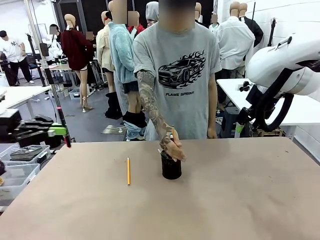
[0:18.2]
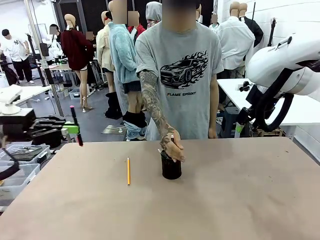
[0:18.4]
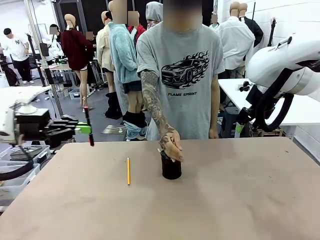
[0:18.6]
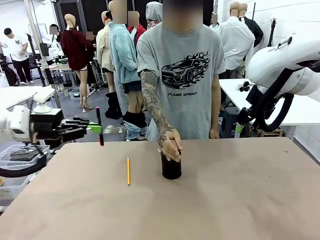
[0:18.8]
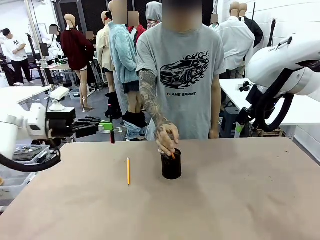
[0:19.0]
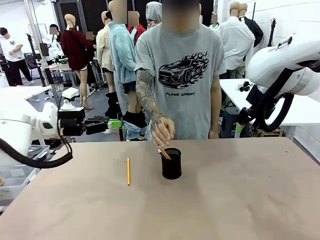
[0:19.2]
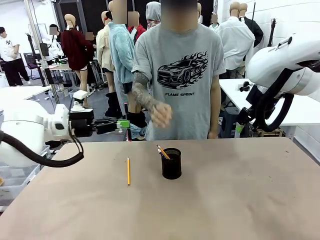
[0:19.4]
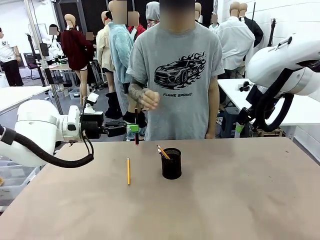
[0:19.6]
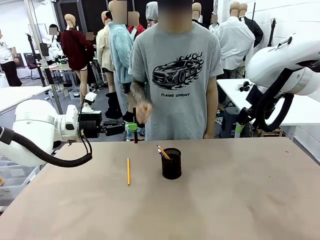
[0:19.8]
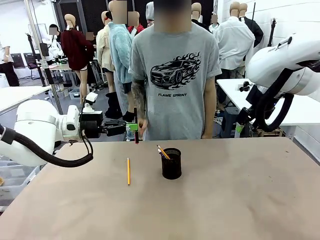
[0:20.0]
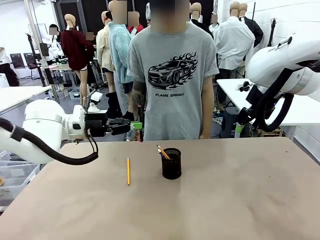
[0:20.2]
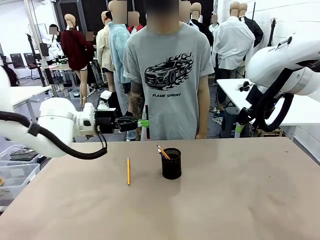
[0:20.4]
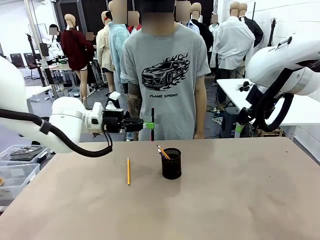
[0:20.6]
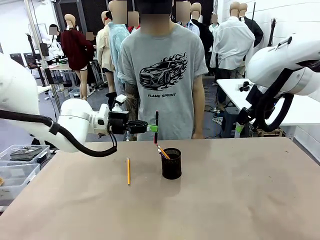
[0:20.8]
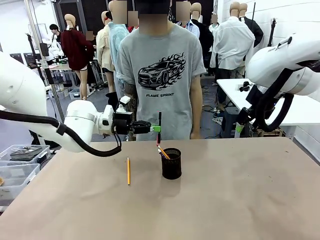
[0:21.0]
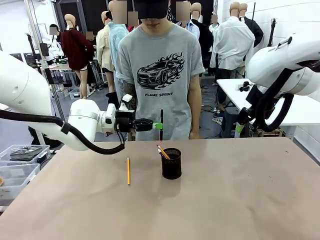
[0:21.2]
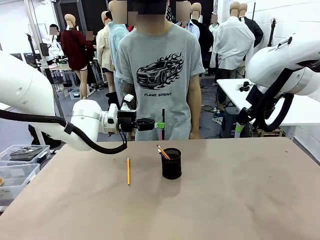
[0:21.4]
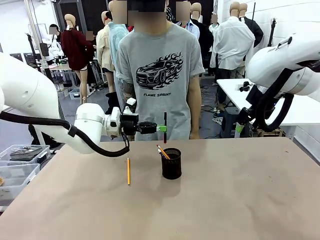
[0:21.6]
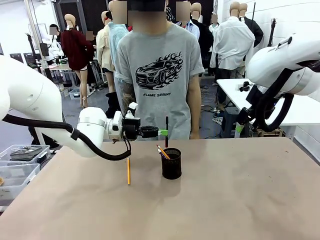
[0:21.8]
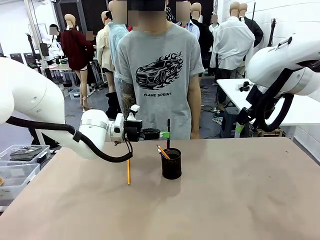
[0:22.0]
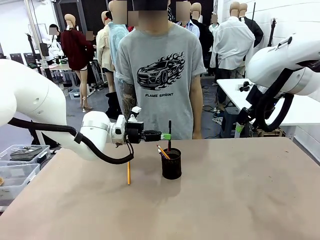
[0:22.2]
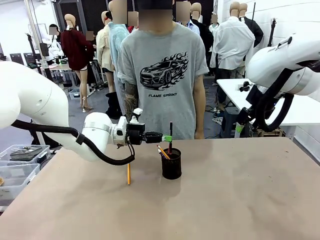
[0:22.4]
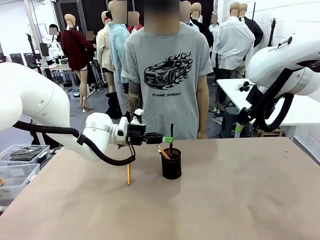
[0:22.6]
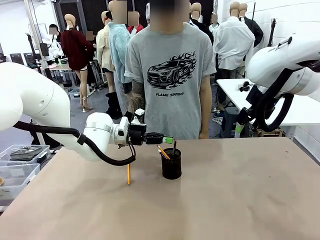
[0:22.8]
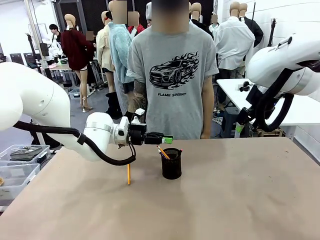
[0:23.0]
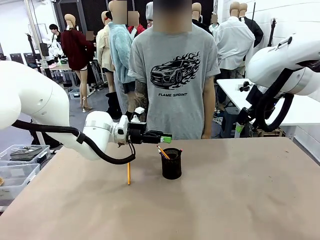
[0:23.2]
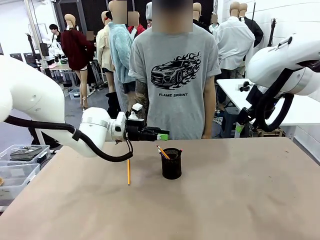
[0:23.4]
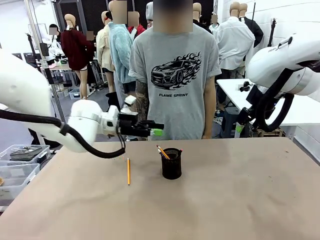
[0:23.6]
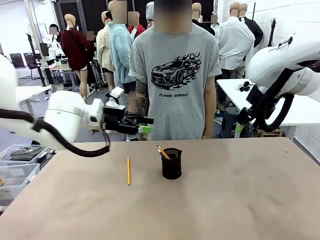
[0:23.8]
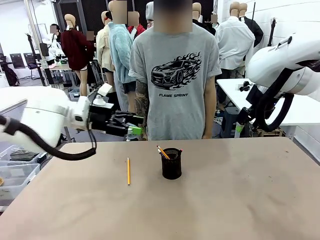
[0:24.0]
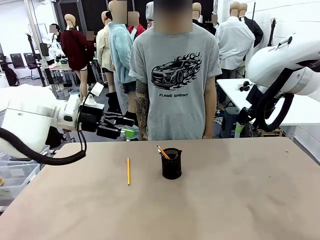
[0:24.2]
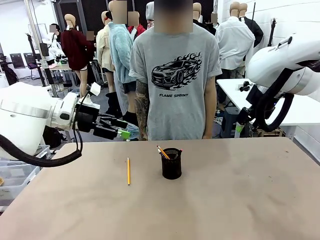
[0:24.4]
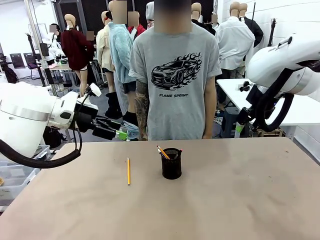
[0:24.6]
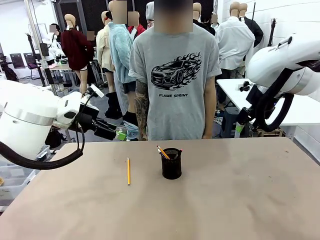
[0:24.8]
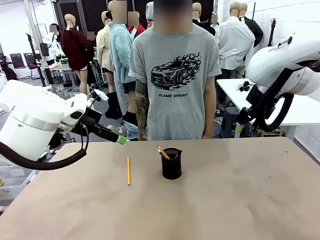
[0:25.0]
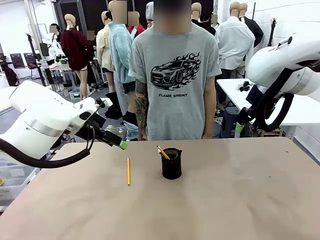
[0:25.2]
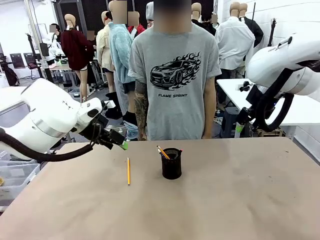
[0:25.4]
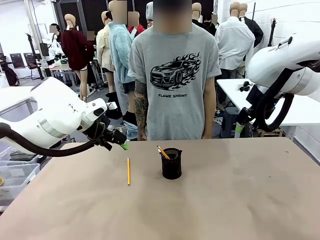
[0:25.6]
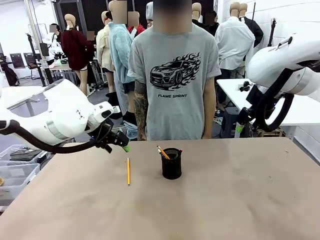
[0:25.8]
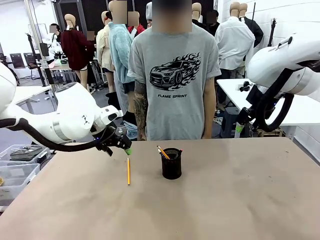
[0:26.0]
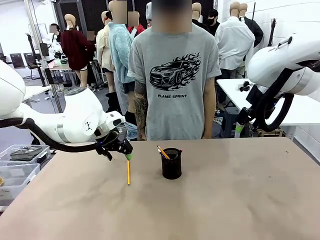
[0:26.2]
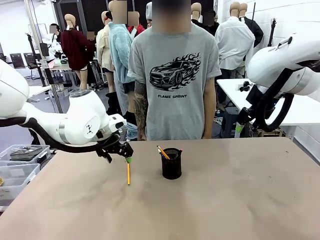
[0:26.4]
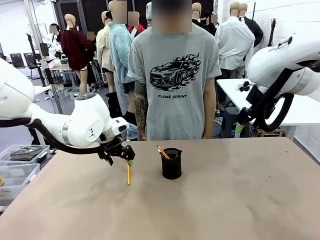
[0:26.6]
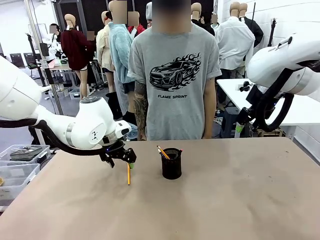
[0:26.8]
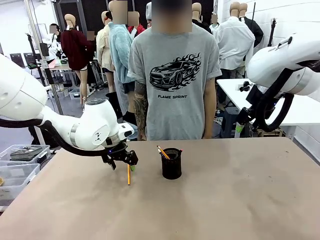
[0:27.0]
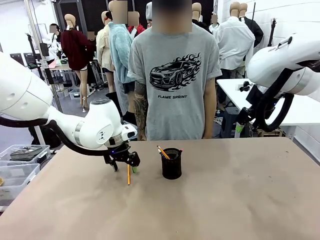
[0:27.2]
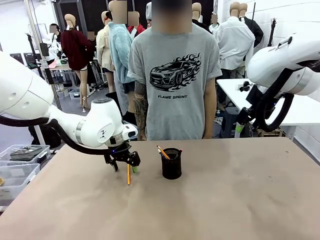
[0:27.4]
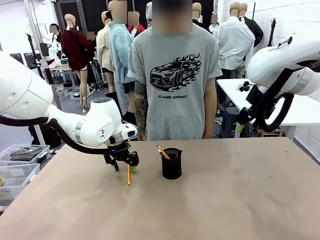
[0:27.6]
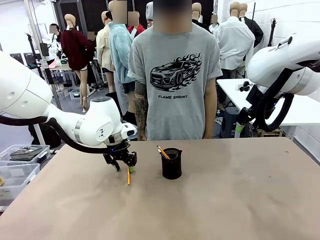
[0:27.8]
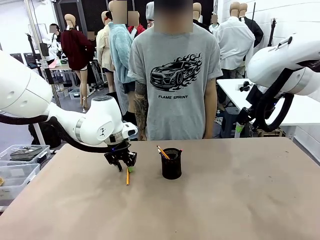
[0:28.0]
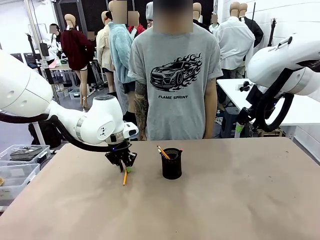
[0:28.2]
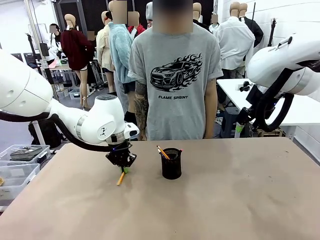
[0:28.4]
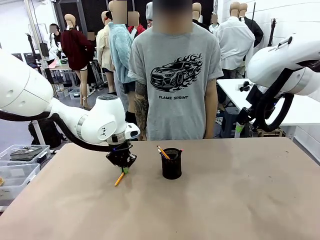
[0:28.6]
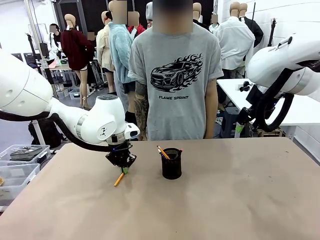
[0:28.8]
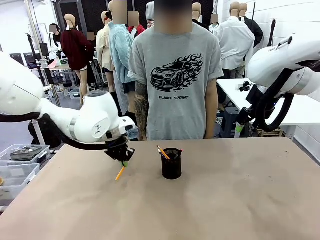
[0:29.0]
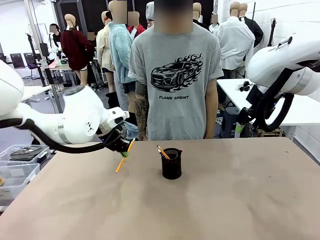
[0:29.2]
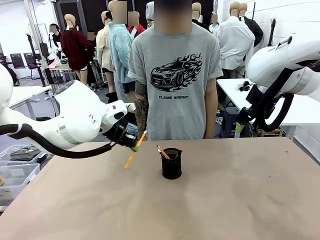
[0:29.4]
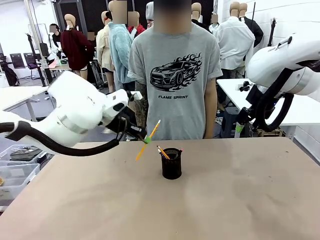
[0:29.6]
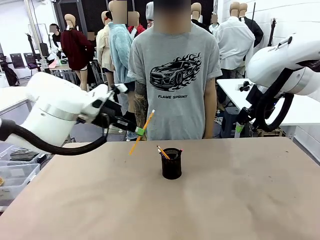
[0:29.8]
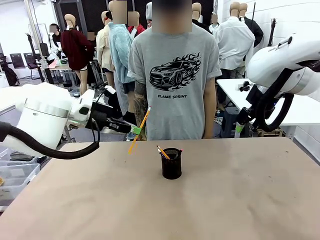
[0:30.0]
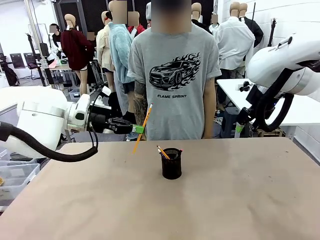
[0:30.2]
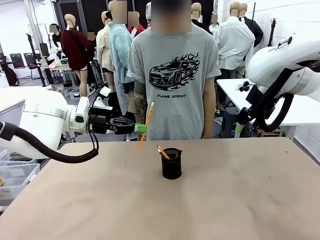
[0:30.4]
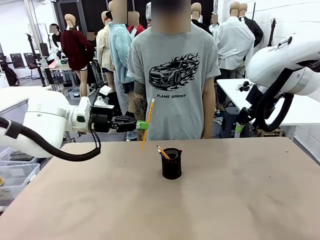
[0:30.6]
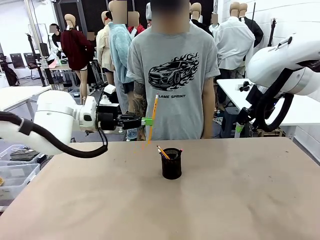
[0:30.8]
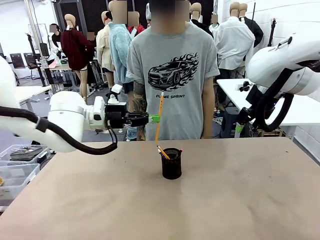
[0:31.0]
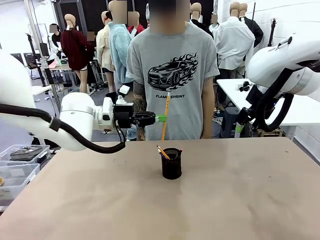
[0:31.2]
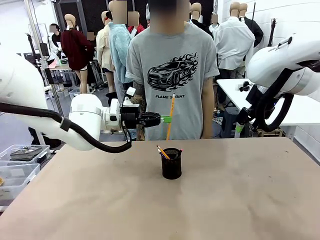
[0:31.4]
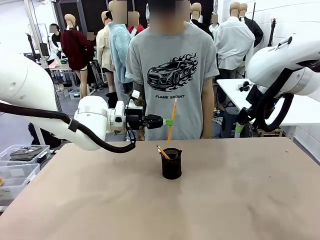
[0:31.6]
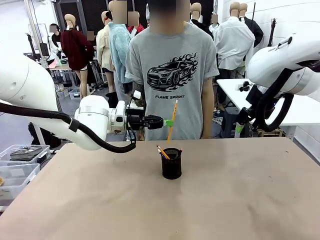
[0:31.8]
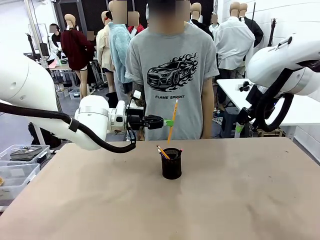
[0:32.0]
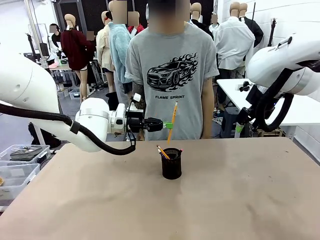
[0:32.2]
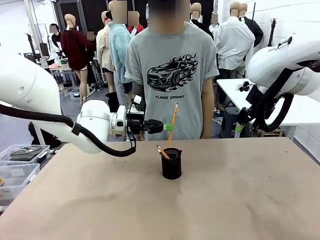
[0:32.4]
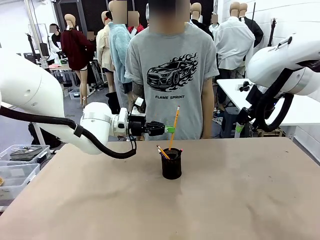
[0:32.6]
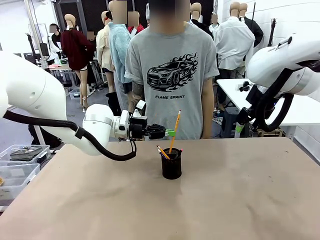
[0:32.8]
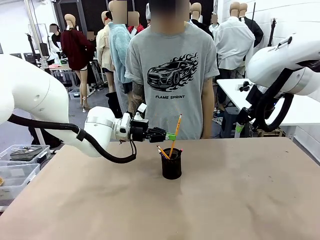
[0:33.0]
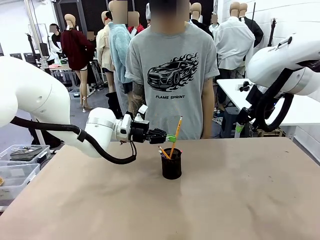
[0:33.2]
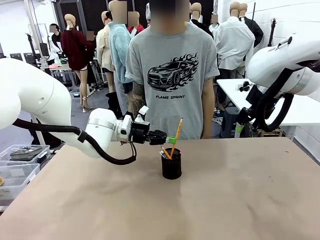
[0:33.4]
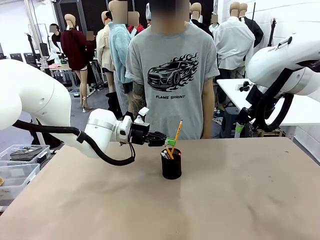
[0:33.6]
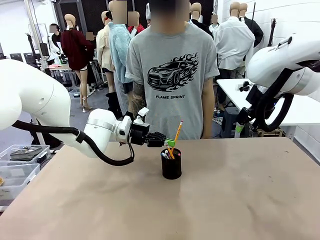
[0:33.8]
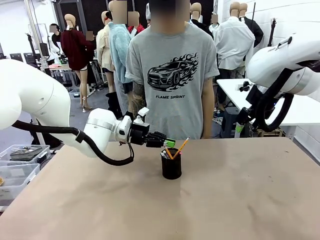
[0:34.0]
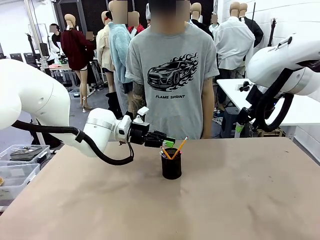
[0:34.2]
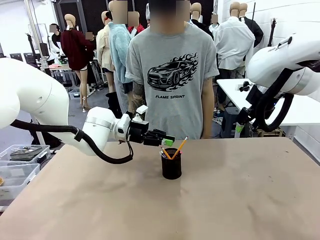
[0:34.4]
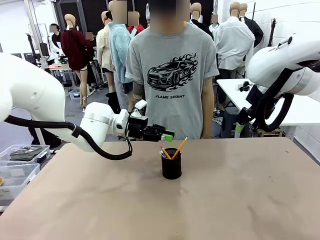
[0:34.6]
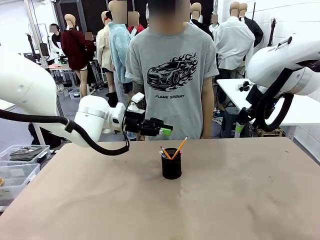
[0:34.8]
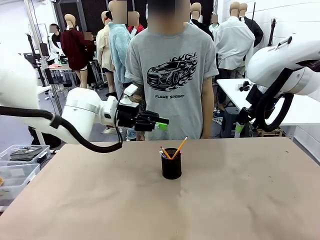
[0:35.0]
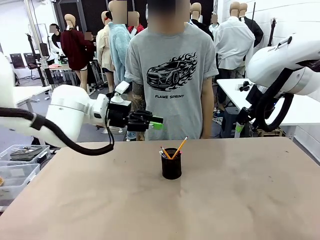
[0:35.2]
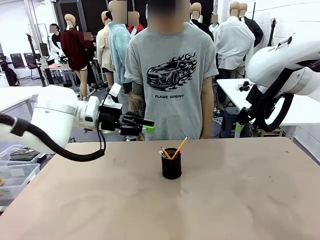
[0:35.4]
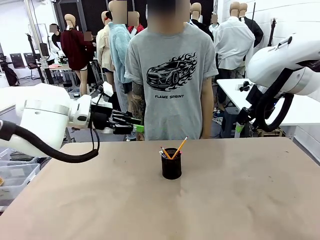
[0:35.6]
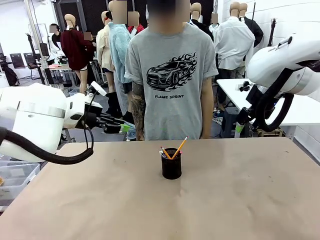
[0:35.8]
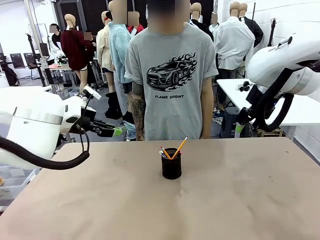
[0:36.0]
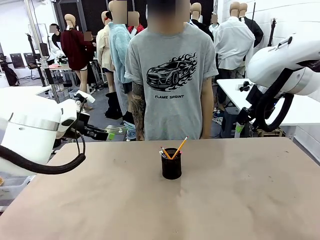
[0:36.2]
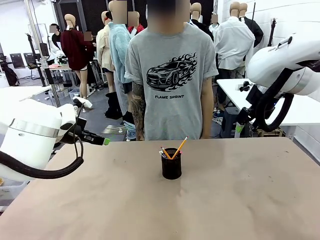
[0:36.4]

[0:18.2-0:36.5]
Task: Place the pens into the pen holder.
Robot: Pick up a writing instrument from the table and place it into the Pen holder.
Person: Place all writing instrument into the Pen holder.
